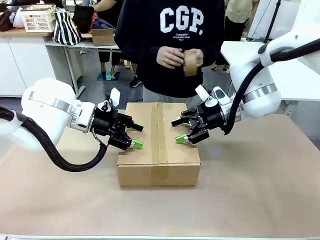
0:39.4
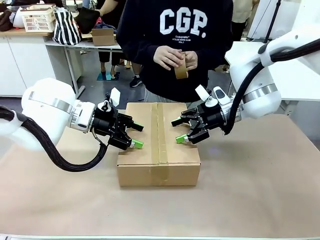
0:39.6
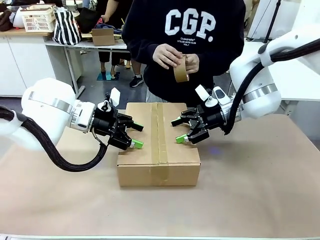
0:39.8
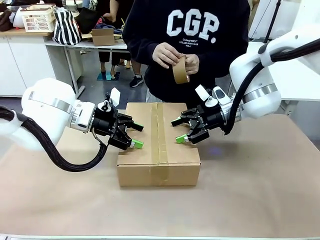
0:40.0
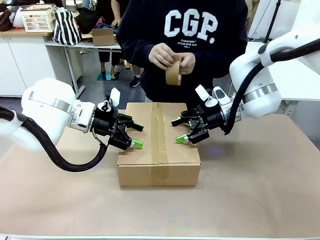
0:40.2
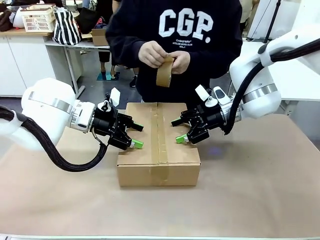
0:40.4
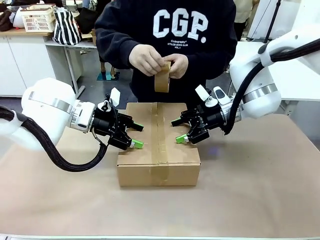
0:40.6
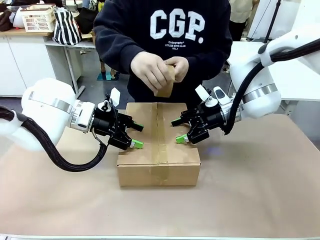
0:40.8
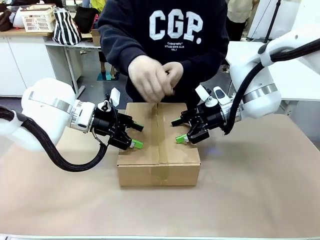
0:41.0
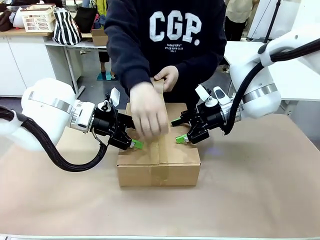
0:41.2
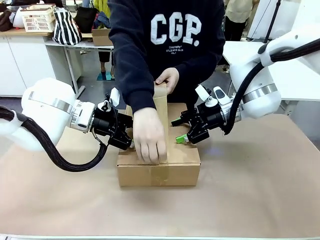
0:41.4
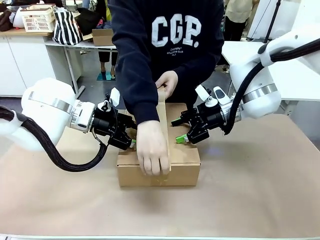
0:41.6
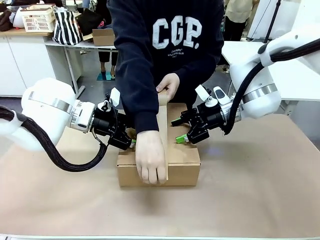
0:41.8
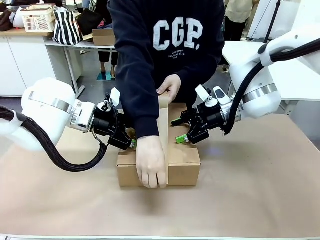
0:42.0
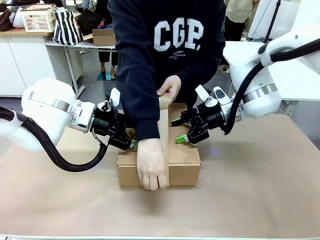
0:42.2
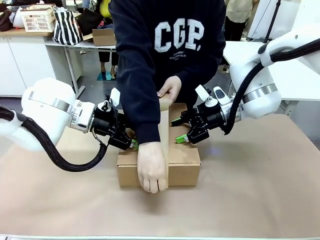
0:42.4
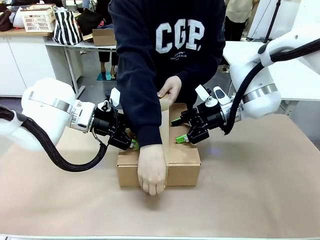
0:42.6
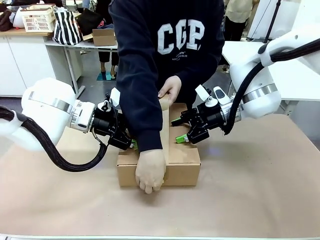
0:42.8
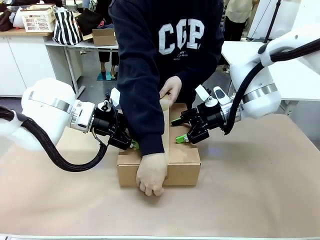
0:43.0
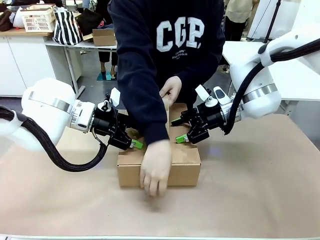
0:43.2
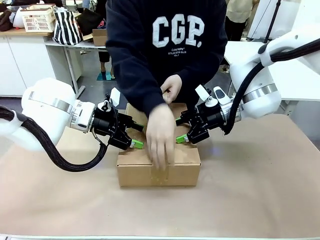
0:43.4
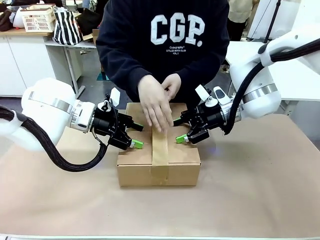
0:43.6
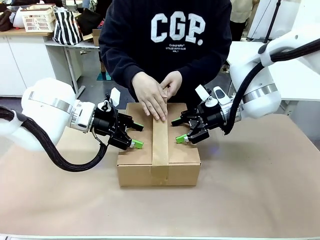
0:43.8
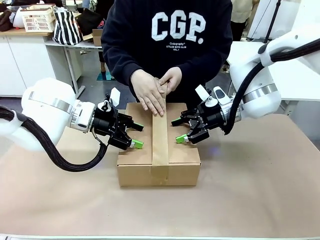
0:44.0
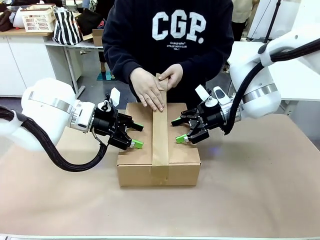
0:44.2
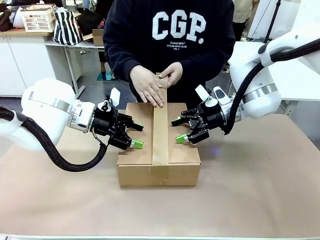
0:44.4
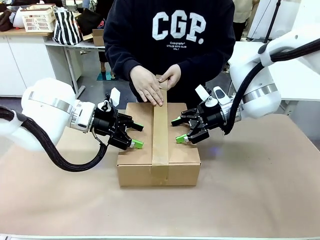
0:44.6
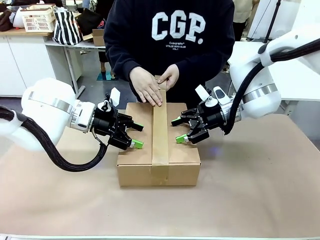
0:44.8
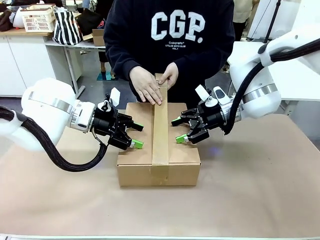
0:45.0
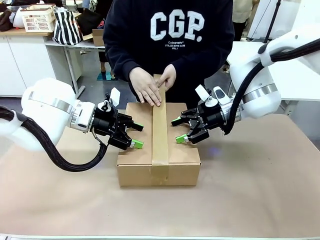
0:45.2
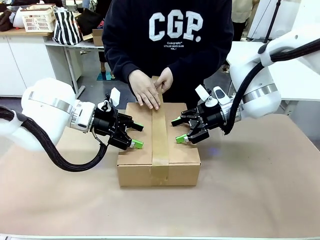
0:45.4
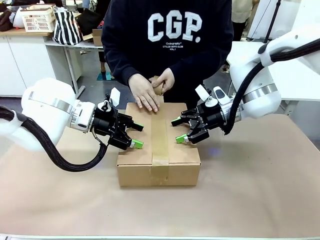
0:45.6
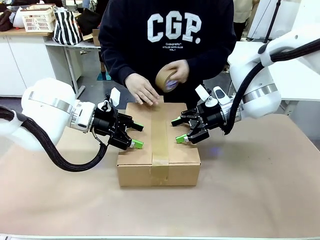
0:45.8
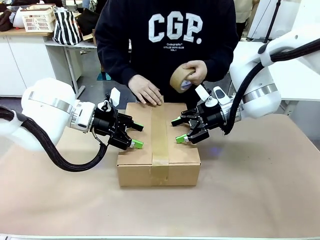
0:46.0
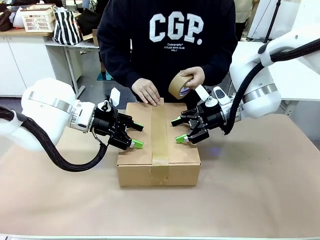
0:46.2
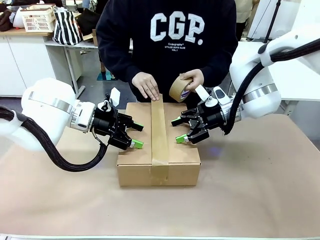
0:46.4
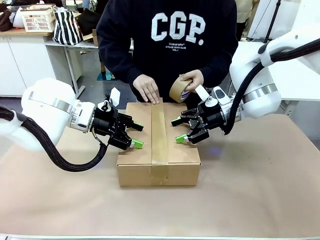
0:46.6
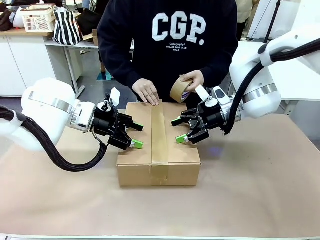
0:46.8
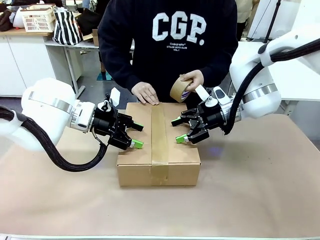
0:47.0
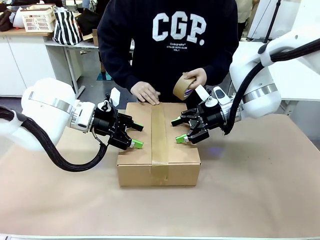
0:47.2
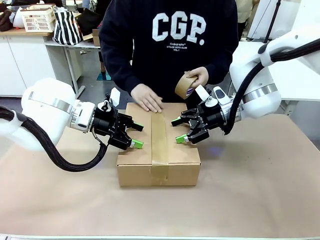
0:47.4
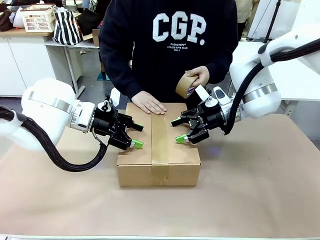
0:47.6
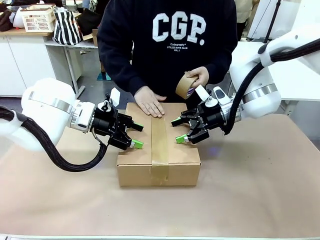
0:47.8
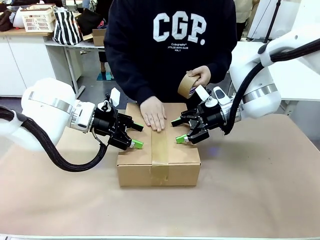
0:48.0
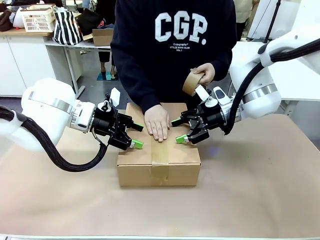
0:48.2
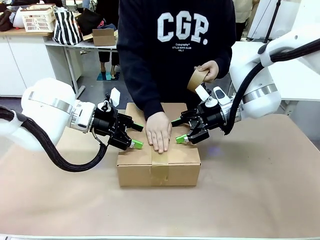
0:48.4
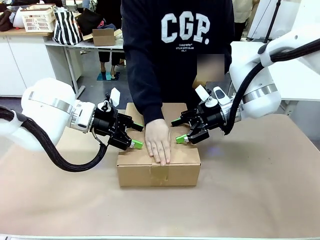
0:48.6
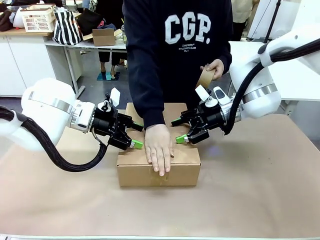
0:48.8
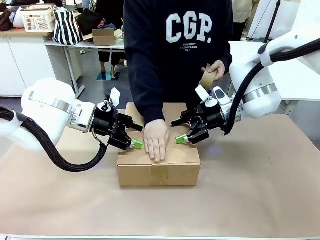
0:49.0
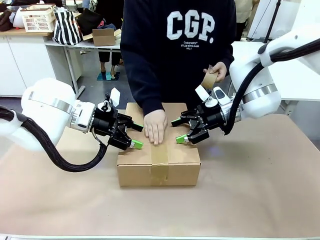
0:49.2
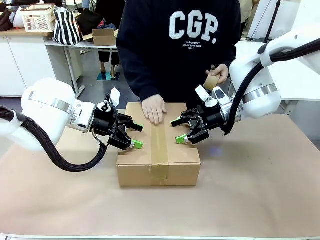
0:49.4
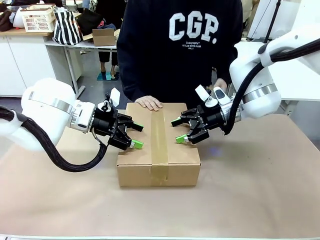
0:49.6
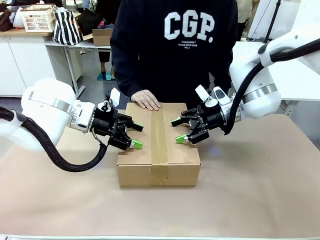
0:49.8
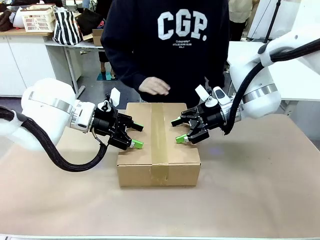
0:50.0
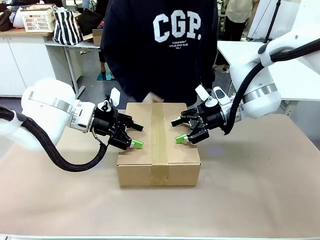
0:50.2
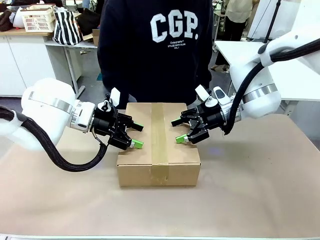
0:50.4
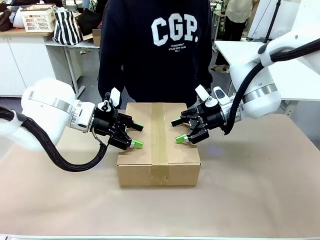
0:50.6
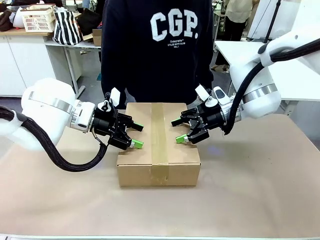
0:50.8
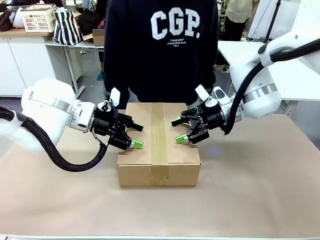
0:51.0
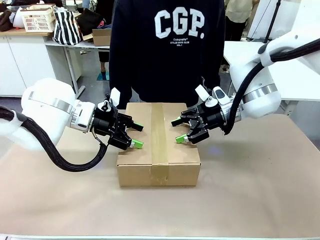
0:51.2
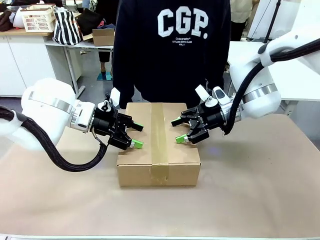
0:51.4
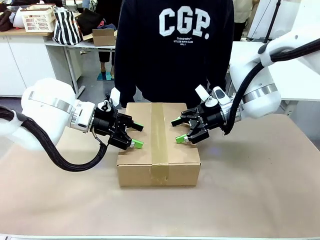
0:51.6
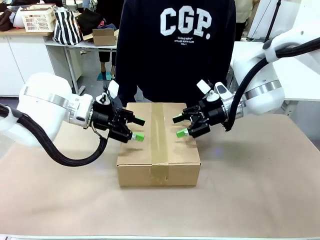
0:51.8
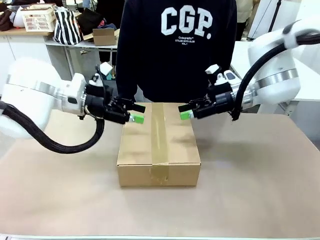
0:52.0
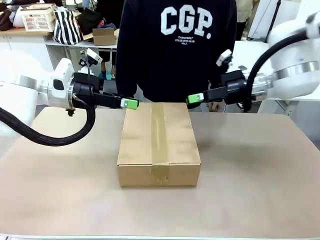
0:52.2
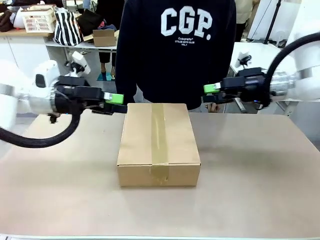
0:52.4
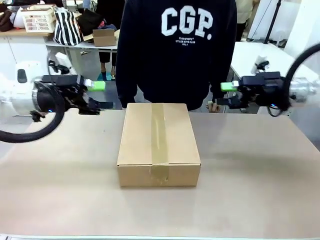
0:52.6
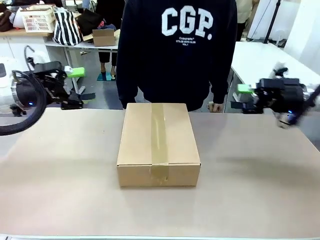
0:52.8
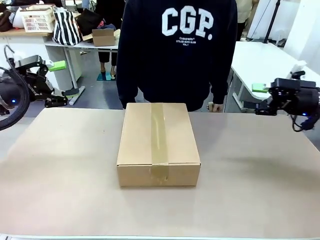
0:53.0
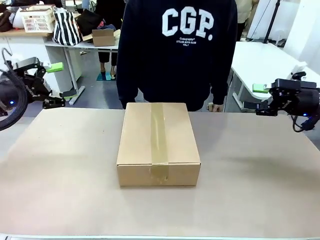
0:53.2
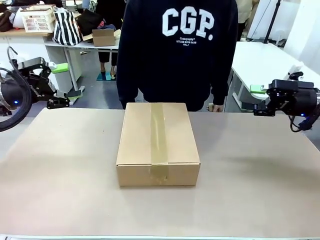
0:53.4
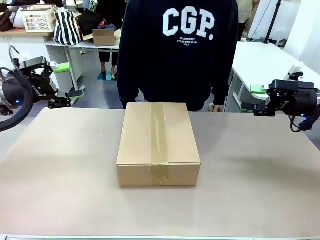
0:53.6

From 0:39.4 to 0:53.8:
Task: Pack the gift set into the box.
Robot: Press and hold the closed box until the human finishes sealing it.
Person: The human picks up the paper tape from the human table and packs the box.
